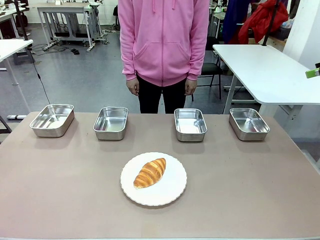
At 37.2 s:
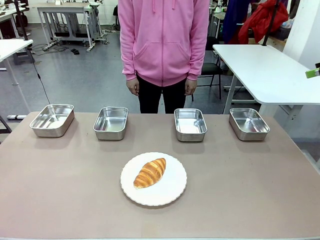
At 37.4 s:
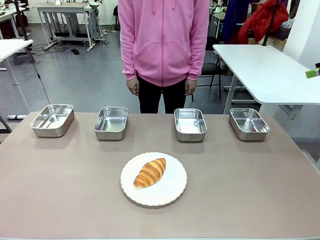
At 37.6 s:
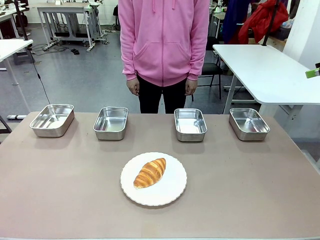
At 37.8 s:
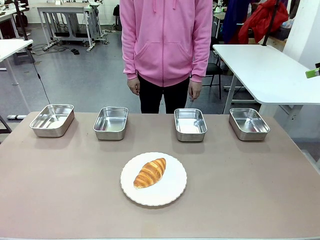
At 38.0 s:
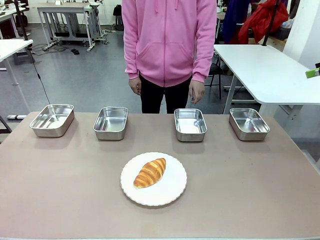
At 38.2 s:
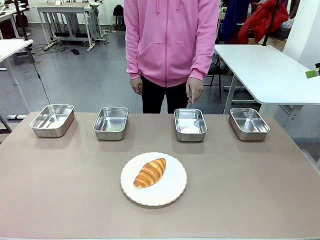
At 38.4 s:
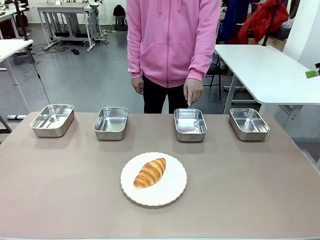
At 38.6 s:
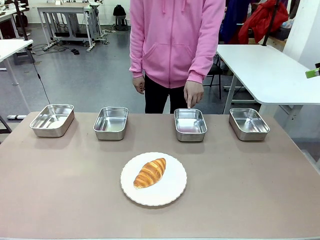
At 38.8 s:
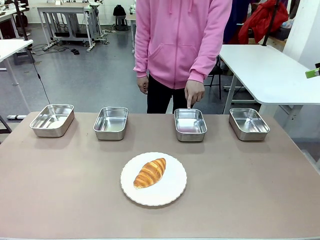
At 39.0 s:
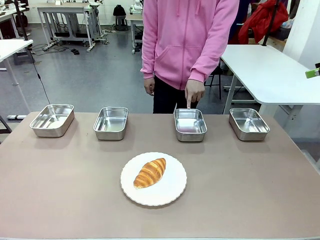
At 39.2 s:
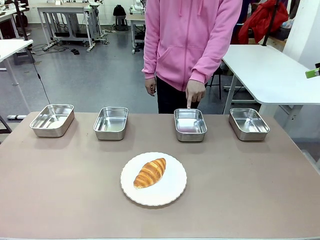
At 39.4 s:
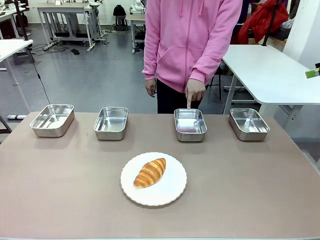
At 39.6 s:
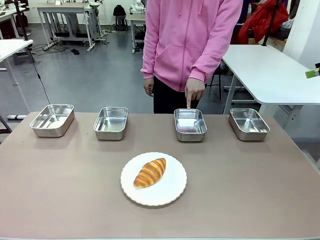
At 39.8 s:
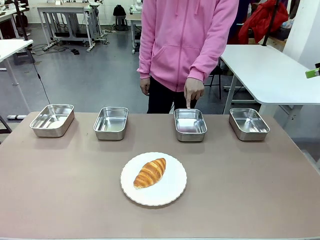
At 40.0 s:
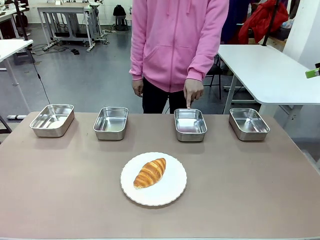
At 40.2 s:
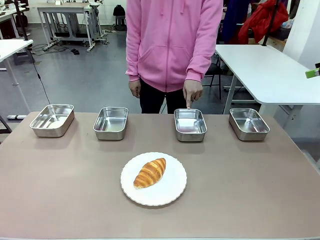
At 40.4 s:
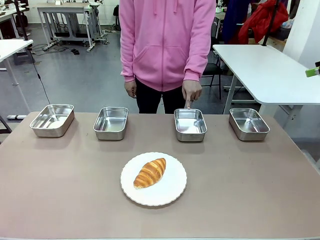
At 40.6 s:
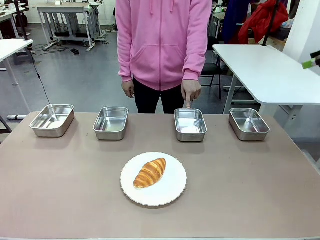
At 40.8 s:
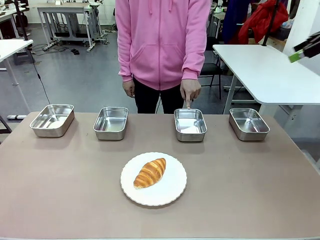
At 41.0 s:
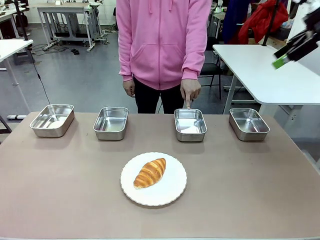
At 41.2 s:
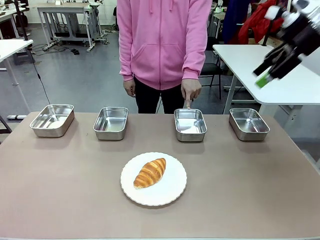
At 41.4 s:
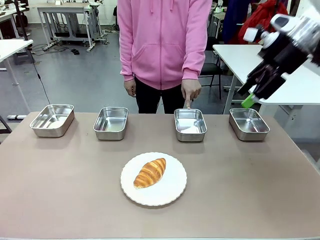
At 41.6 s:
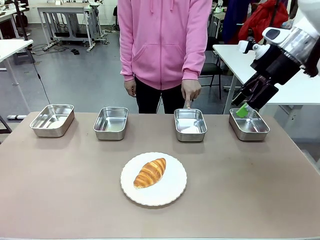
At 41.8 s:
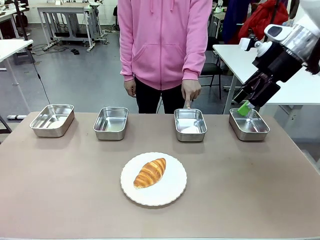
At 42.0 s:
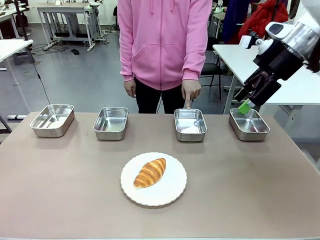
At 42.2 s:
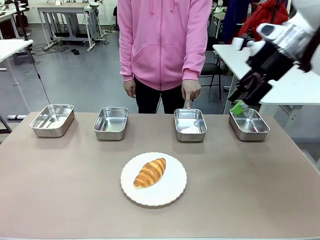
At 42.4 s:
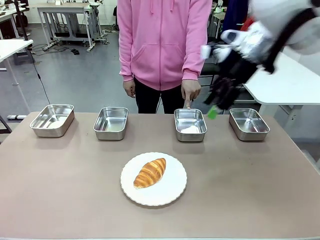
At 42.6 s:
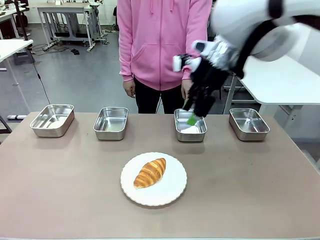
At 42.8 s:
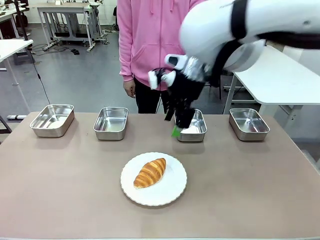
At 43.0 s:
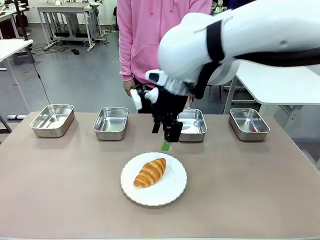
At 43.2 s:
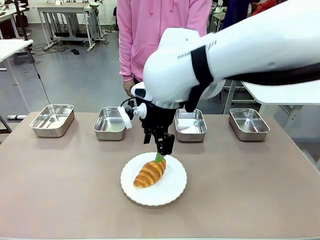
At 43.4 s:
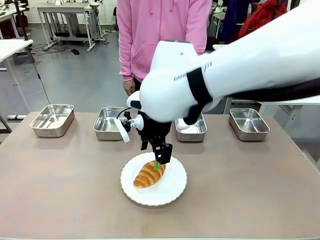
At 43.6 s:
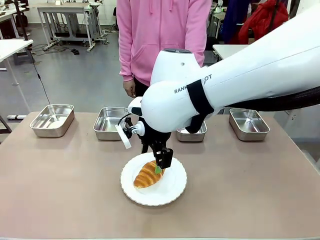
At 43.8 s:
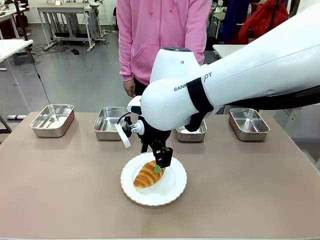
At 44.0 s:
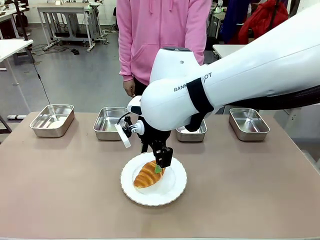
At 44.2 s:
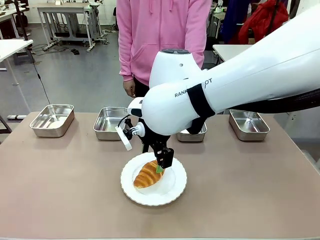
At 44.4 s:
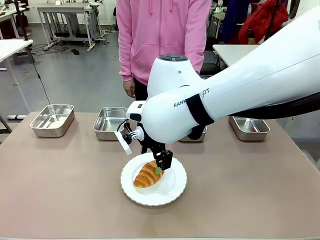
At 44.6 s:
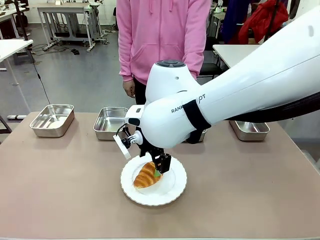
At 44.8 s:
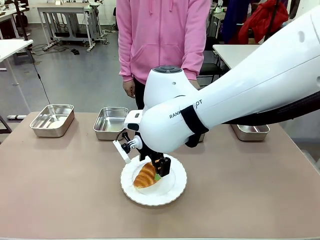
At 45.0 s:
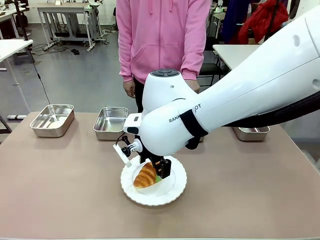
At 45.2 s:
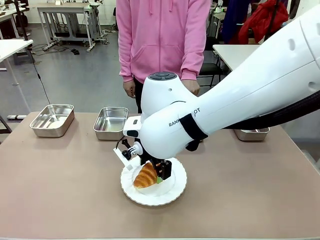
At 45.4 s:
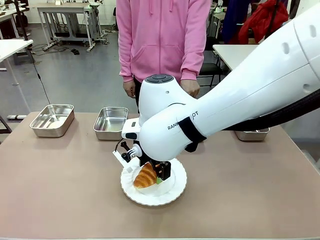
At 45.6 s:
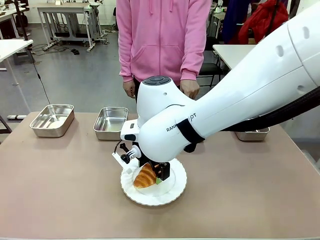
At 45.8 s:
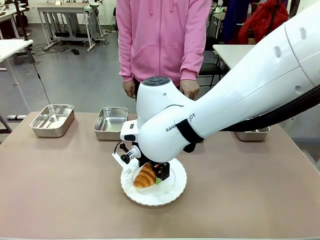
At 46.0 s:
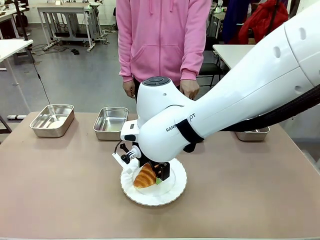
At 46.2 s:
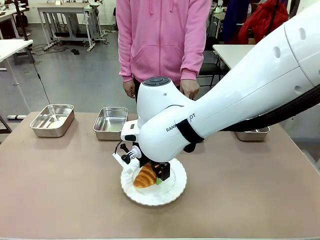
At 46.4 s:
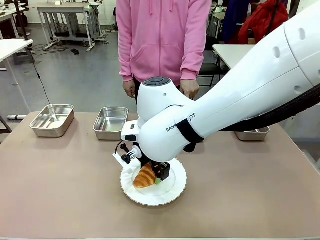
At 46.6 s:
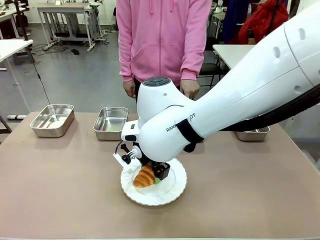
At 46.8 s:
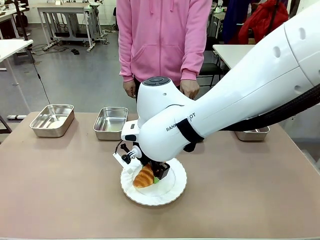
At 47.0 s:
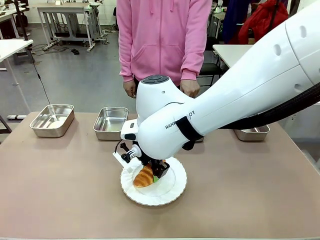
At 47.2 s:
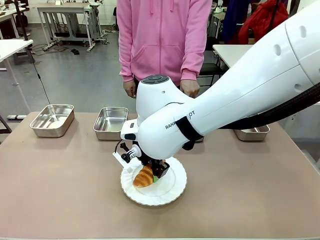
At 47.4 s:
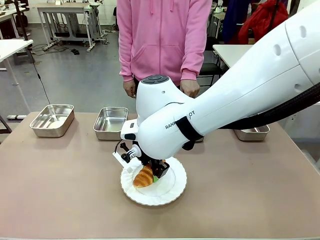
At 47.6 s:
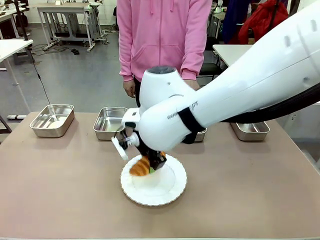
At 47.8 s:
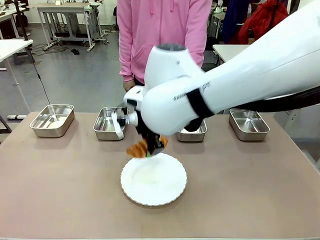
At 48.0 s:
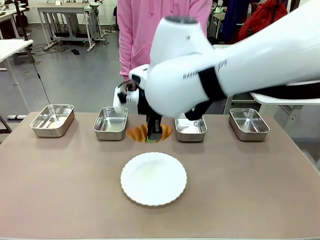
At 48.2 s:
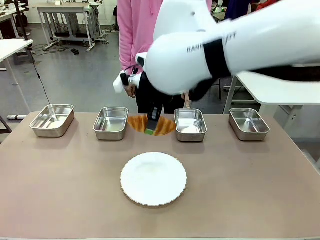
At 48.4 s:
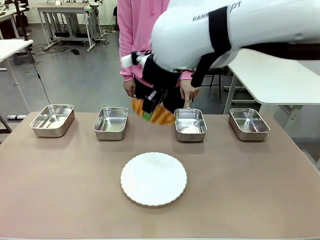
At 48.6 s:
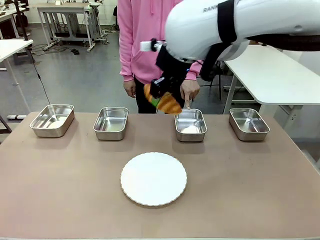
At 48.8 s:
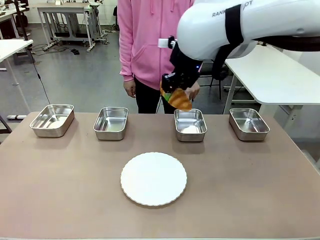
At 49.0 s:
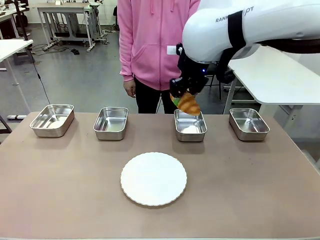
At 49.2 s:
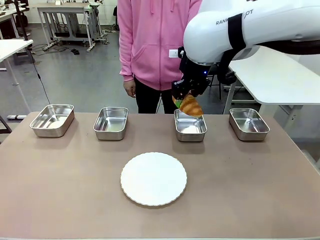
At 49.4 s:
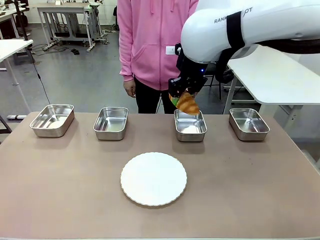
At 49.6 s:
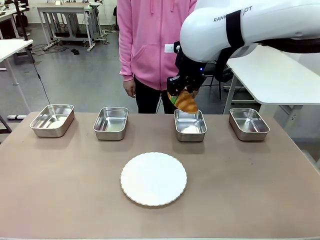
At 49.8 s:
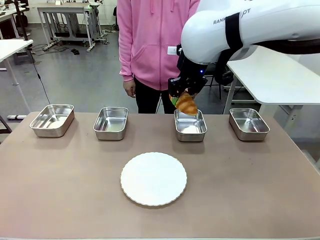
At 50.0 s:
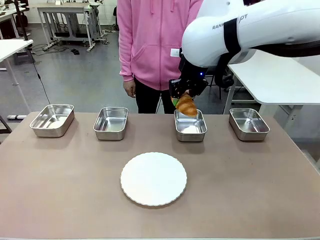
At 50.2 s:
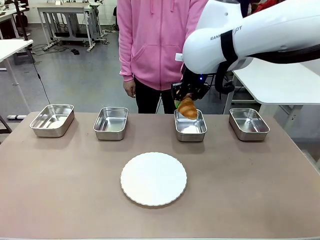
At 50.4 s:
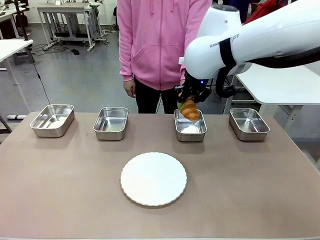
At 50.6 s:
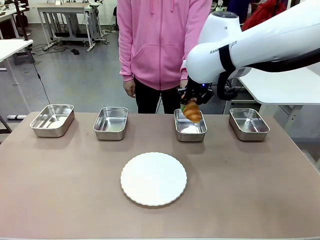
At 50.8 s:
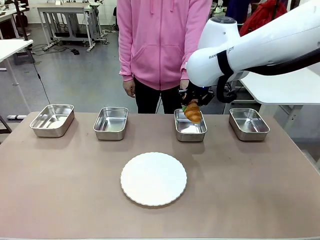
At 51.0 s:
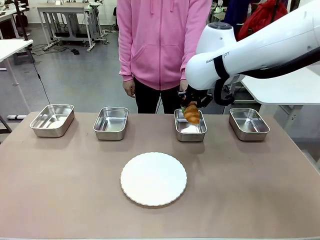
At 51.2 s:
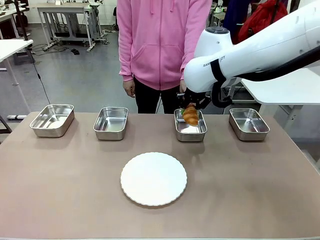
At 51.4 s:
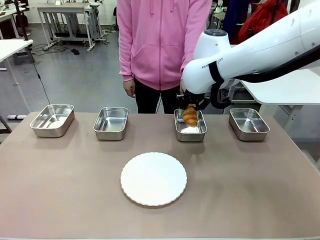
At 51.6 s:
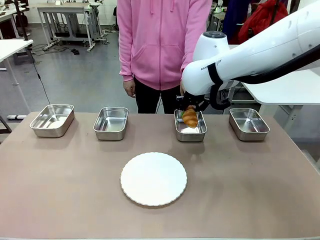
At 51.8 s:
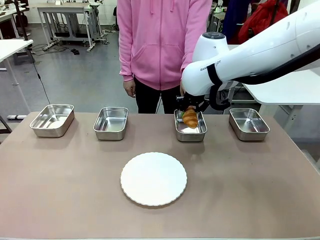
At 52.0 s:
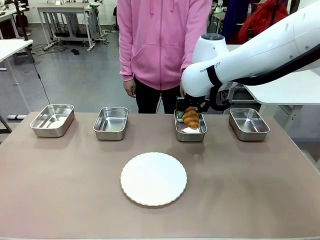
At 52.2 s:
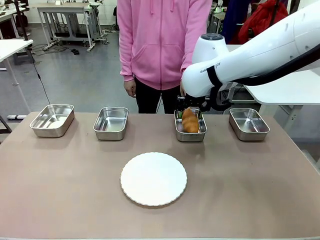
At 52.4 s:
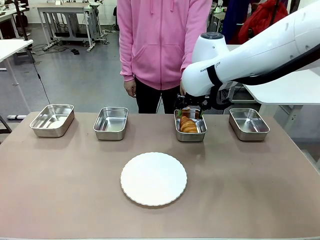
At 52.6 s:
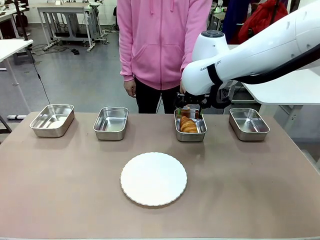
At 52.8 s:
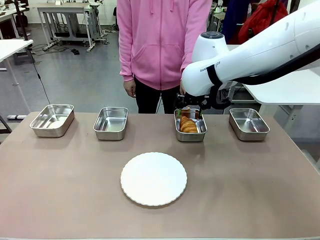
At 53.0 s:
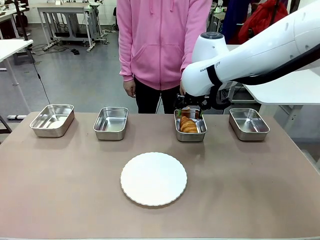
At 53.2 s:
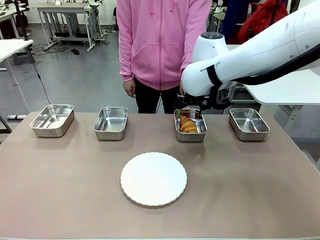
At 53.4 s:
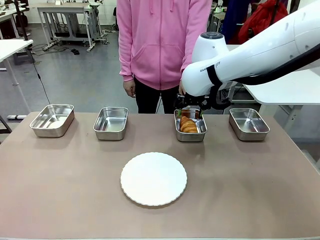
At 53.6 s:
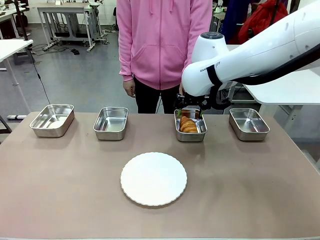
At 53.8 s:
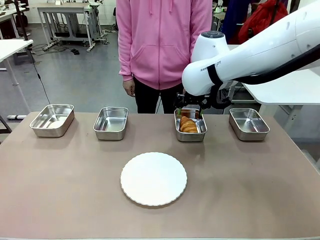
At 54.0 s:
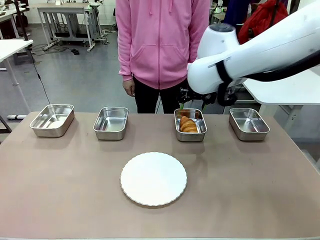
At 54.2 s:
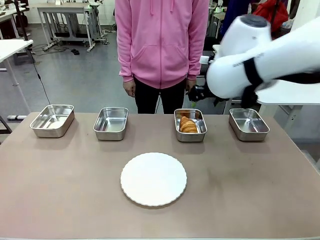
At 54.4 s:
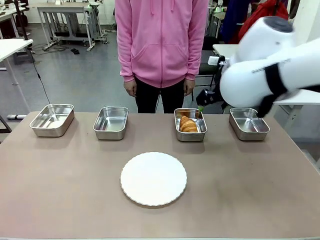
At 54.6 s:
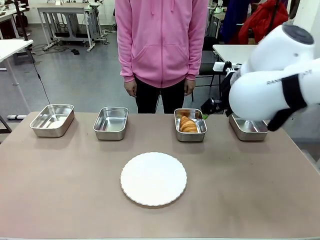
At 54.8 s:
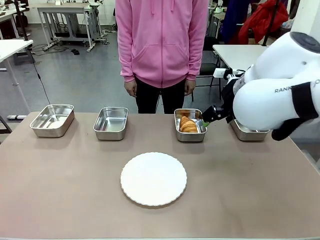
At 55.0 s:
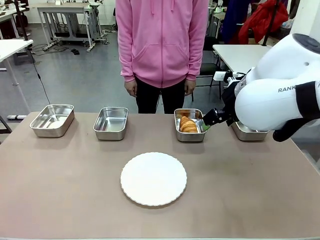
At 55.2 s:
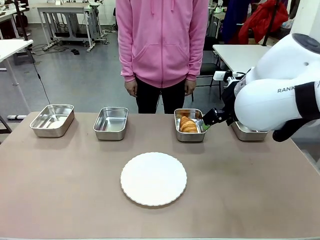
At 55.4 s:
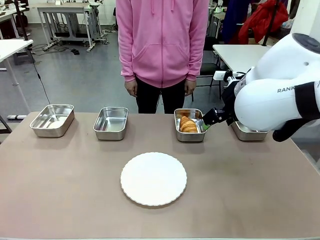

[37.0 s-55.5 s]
Task: Place the bread in the container.
Robot: Place the Butter Roll into the Airtight Container indicated by the human.
